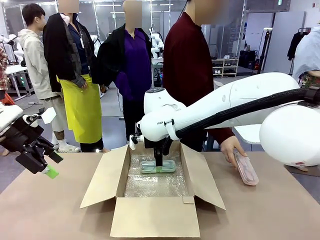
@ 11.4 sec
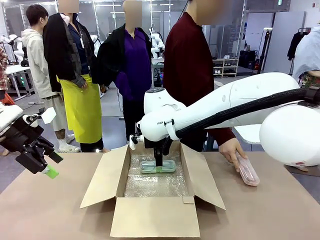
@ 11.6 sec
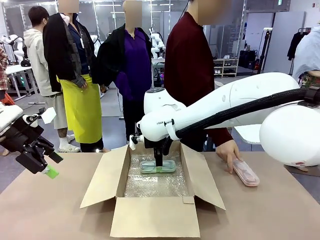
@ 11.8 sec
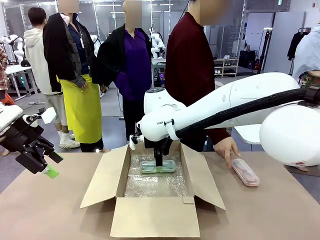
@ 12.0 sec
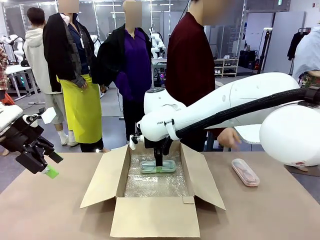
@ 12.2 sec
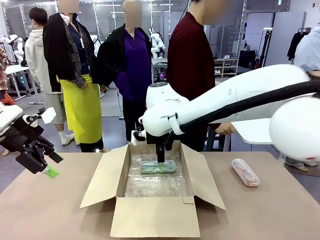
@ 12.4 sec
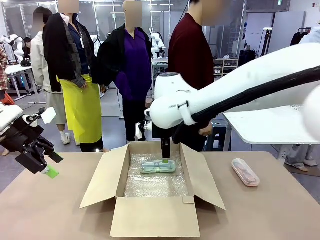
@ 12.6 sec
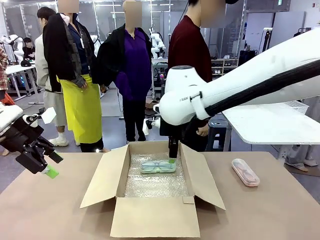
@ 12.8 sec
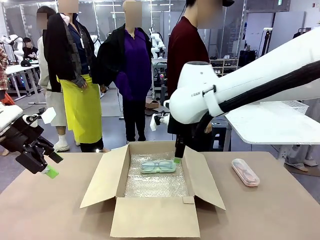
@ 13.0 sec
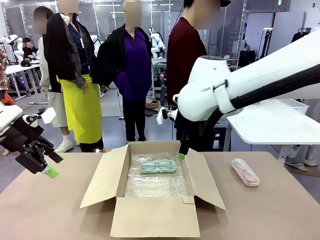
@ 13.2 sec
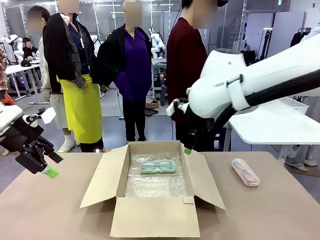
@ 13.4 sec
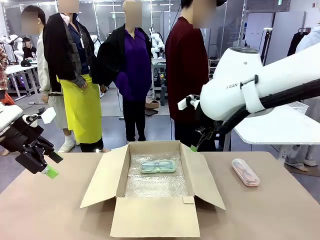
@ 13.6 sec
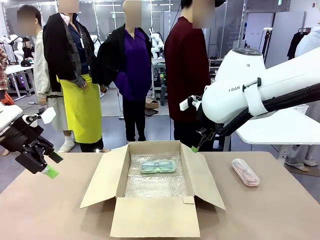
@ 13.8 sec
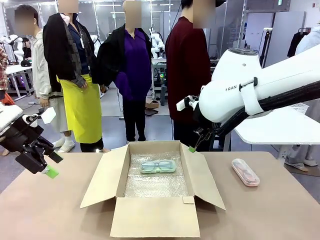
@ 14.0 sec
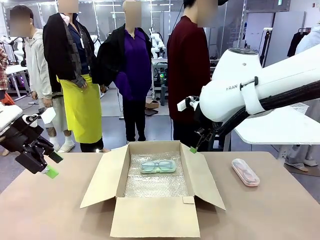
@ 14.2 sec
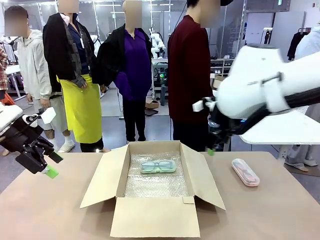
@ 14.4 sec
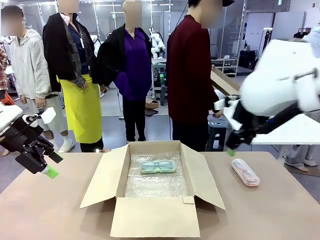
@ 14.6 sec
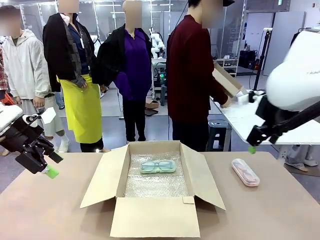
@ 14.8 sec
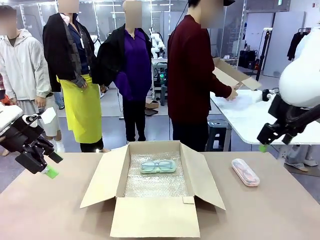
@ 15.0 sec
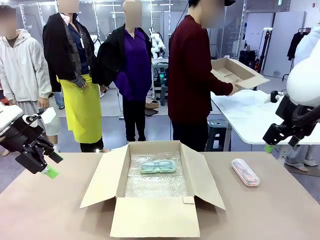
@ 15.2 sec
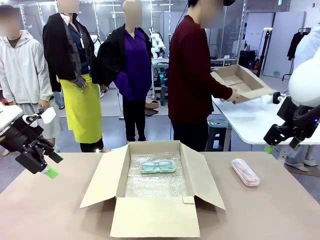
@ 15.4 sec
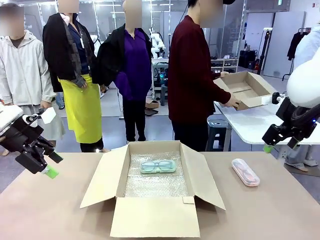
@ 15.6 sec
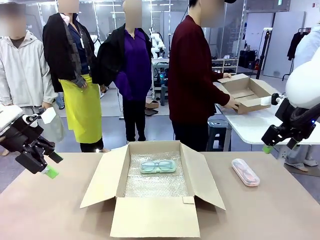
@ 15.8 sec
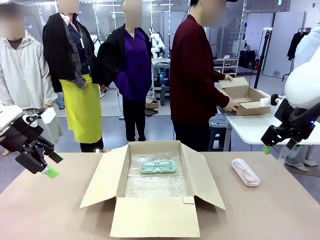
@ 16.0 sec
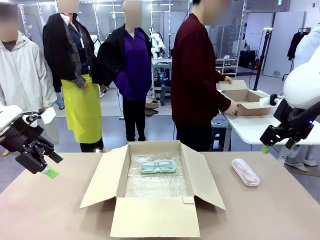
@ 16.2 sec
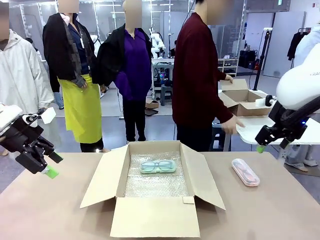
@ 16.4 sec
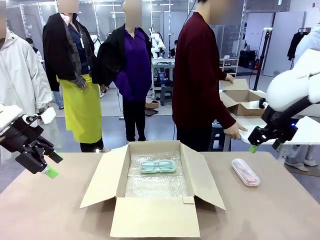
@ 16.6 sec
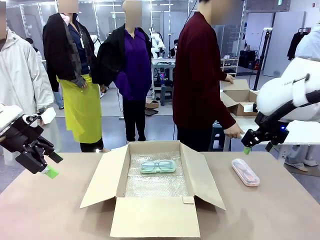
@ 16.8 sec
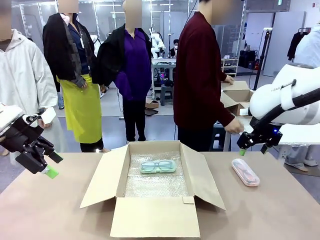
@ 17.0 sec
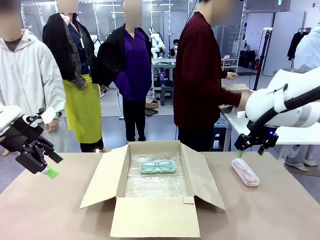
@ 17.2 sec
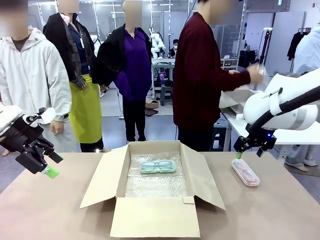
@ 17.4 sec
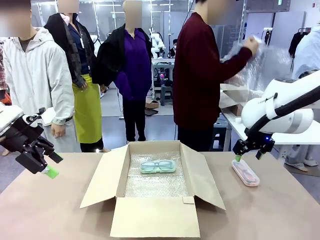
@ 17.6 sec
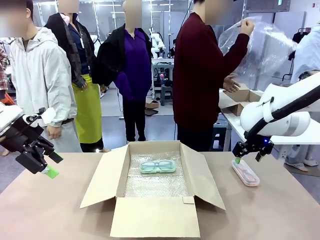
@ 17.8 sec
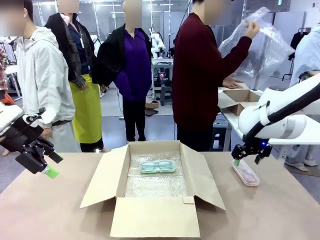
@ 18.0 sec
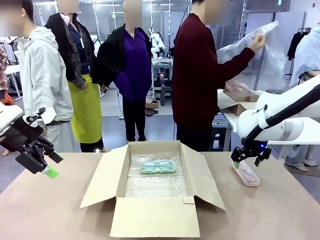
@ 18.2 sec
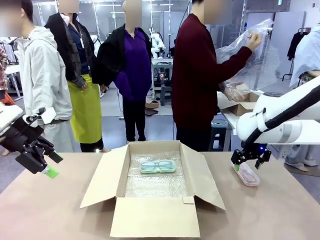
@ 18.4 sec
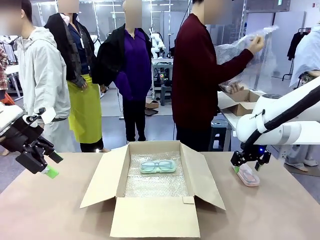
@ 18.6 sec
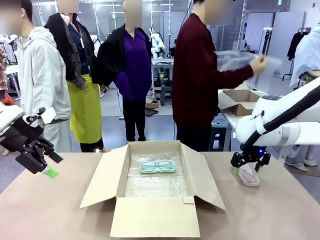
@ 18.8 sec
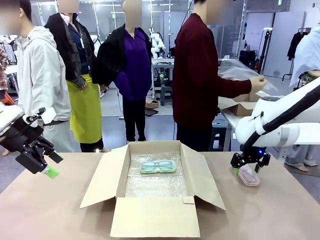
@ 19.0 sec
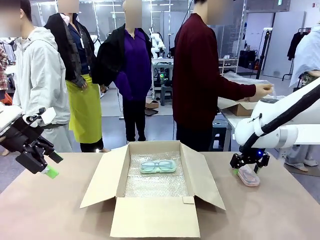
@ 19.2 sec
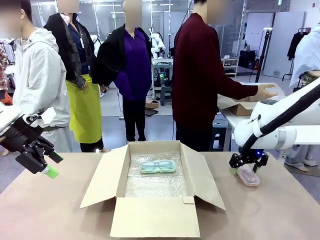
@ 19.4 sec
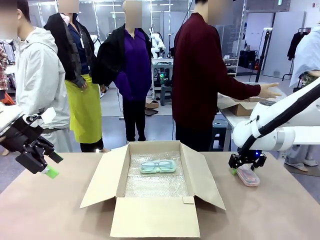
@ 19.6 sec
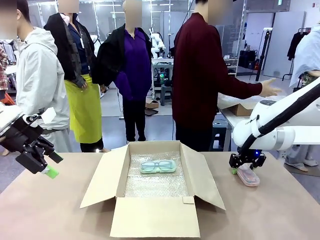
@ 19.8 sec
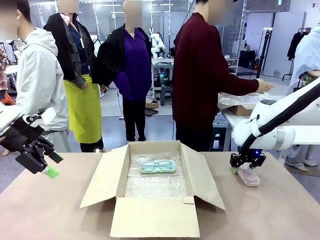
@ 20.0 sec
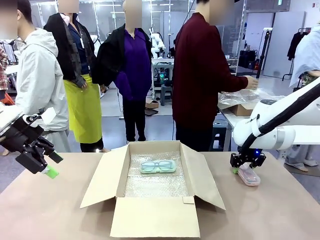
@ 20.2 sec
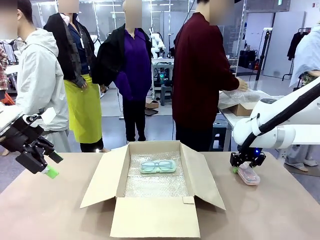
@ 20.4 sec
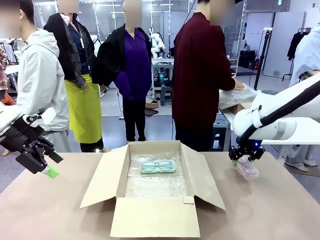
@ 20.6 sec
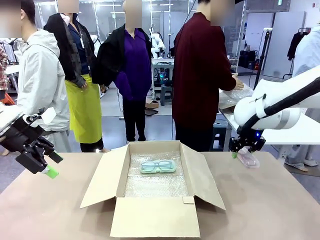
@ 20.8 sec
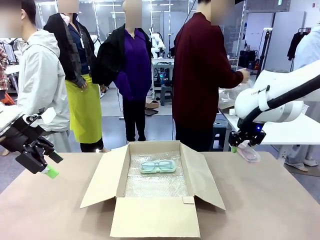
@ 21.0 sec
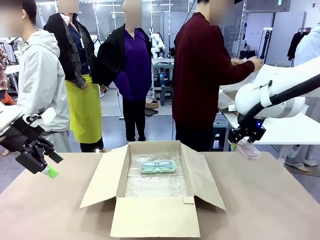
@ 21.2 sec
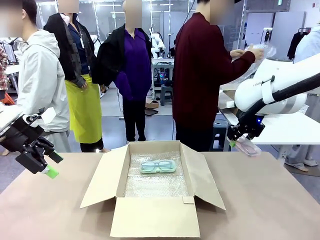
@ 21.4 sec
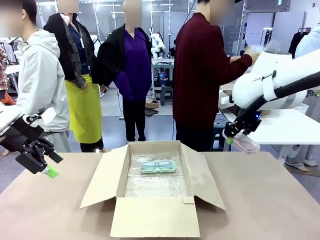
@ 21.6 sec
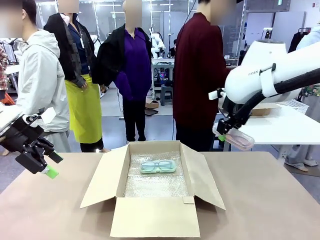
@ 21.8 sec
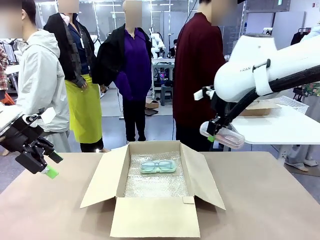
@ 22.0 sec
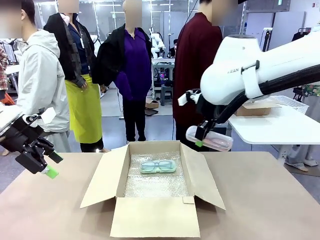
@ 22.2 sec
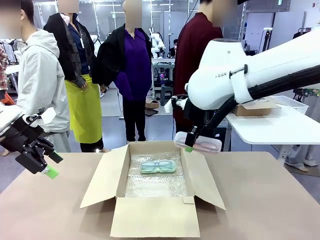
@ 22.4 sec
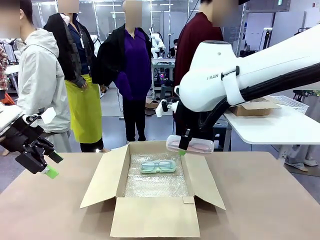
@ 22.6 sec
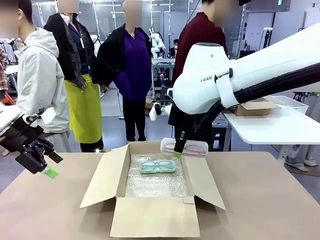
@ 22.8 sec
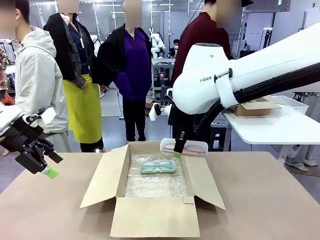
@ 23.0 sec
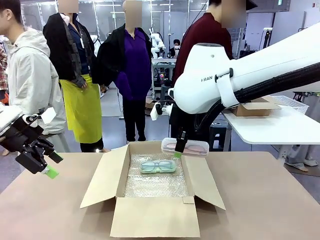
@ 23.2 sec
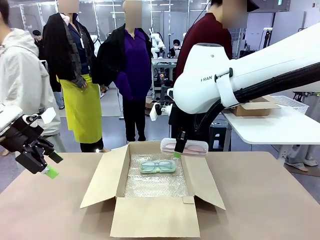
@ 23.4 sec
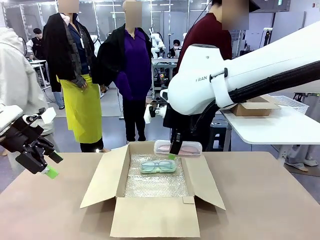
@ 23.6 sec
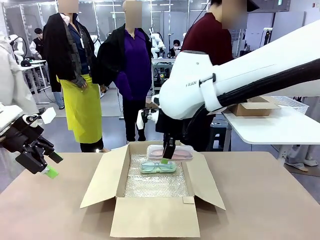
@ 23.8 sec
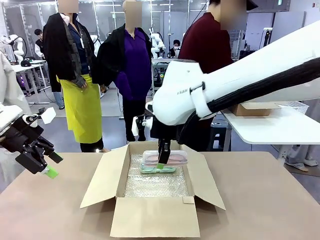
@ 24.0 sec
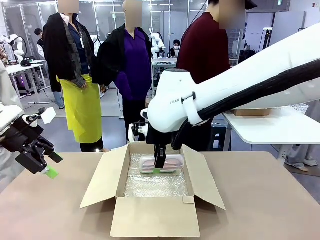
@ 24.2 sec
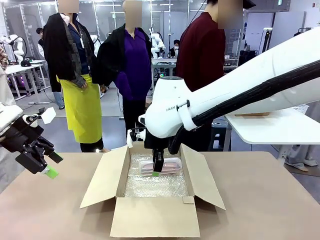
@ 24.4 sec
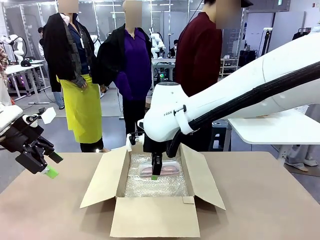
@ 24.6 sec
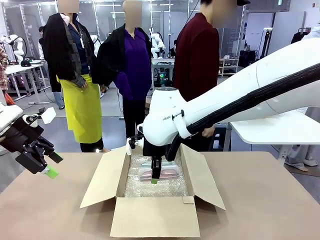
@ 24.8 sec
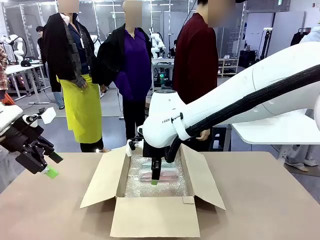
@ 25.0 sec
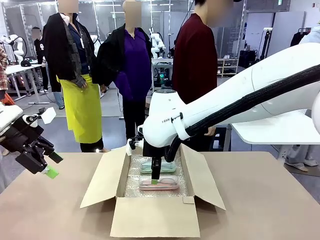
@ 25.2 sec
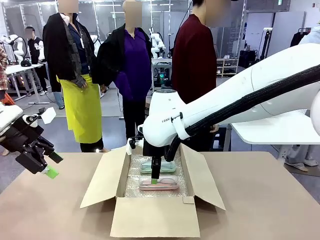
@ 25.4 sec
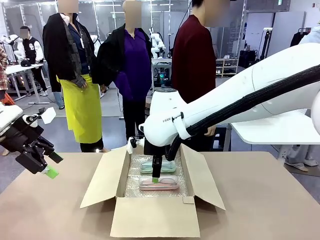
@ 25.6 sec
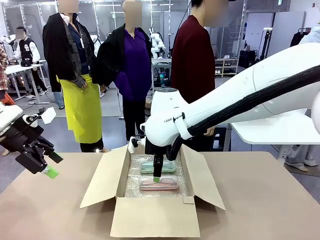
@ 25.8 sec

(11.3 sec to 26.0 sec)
Task: Pack the glasses set securely to prepare it for shipping.
Robot: Put the Glasses case from the right side of the table into the Package Box.
